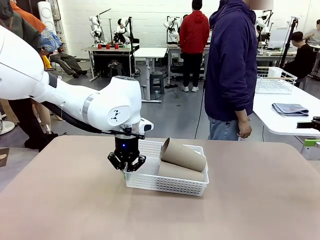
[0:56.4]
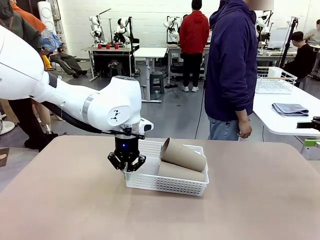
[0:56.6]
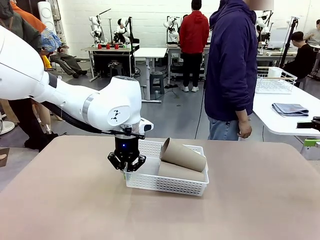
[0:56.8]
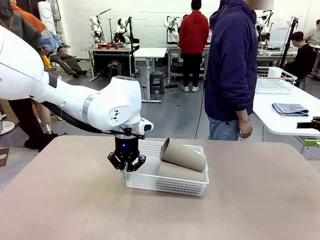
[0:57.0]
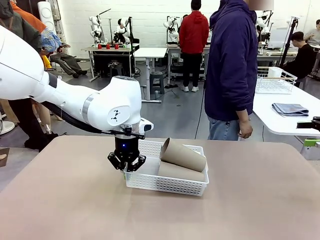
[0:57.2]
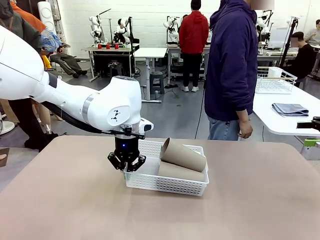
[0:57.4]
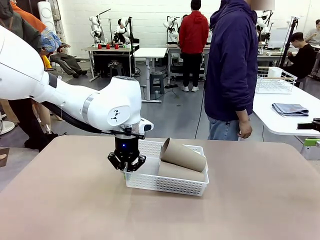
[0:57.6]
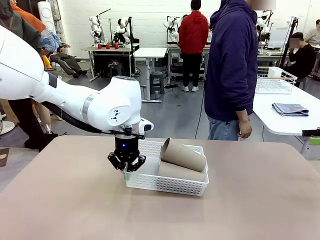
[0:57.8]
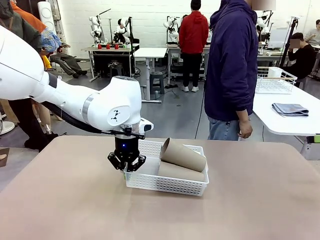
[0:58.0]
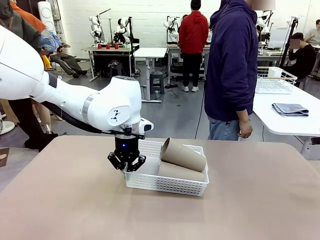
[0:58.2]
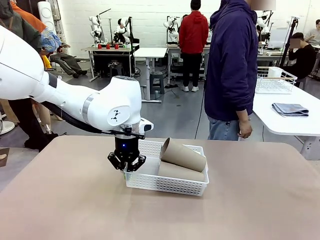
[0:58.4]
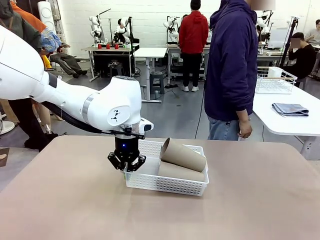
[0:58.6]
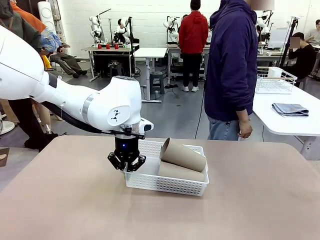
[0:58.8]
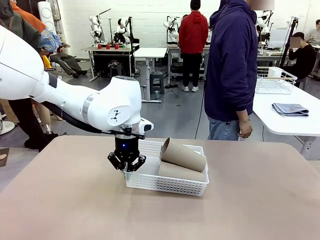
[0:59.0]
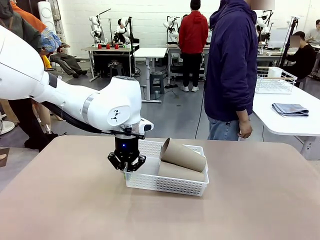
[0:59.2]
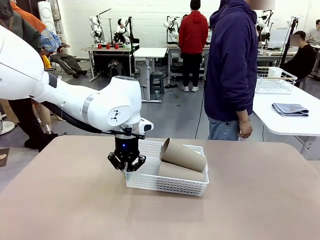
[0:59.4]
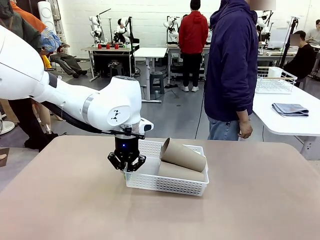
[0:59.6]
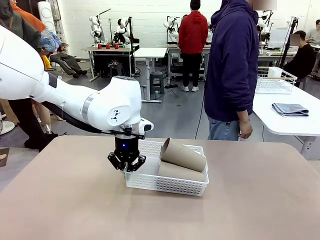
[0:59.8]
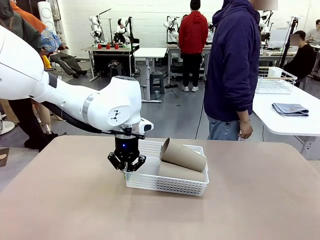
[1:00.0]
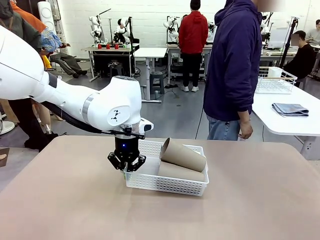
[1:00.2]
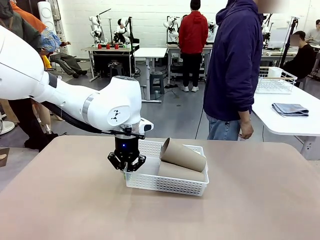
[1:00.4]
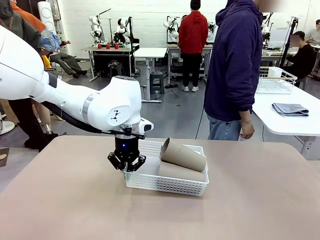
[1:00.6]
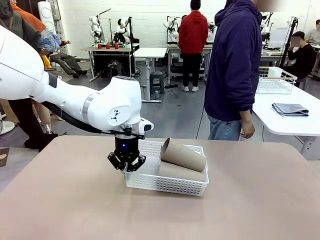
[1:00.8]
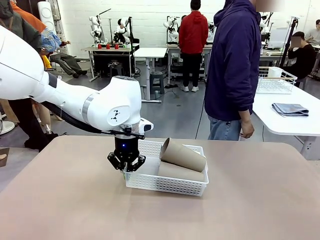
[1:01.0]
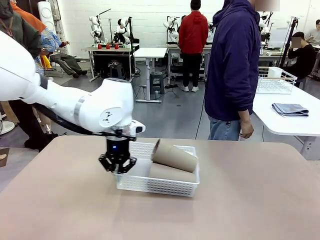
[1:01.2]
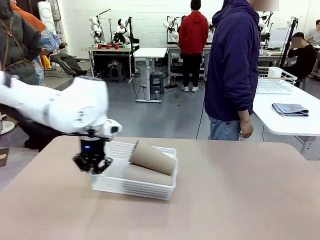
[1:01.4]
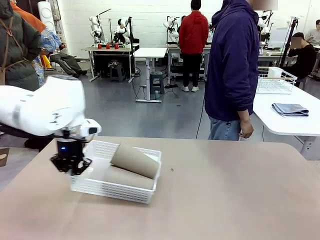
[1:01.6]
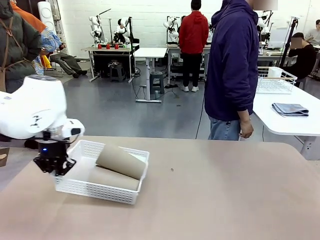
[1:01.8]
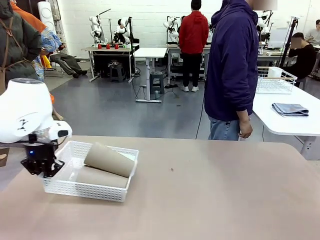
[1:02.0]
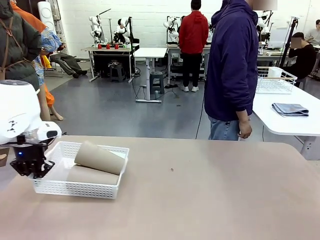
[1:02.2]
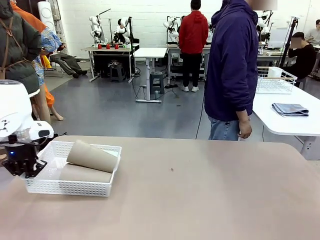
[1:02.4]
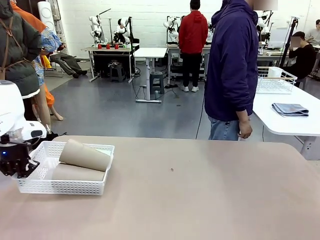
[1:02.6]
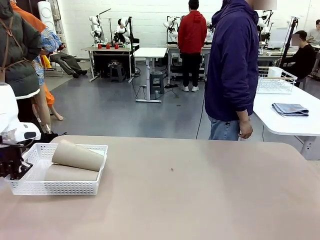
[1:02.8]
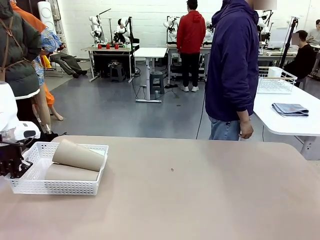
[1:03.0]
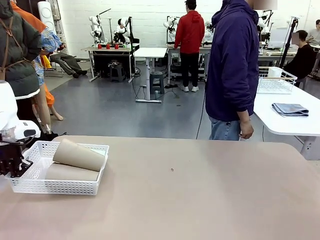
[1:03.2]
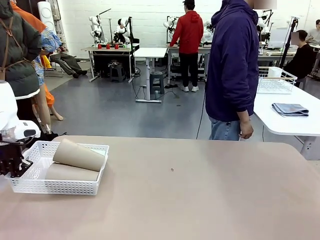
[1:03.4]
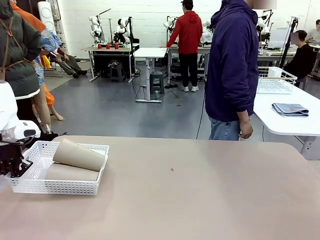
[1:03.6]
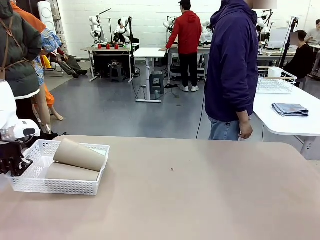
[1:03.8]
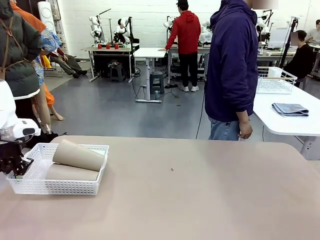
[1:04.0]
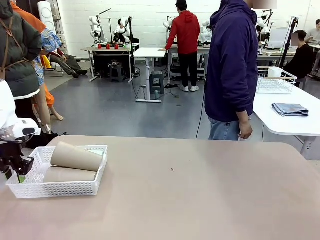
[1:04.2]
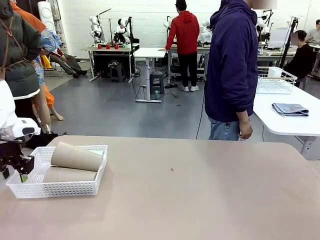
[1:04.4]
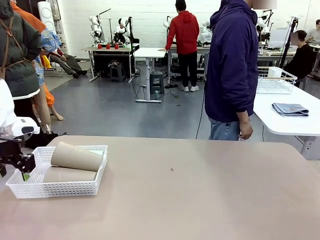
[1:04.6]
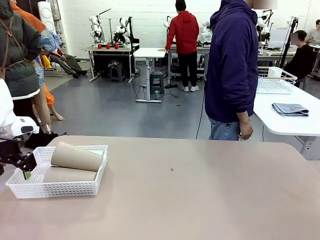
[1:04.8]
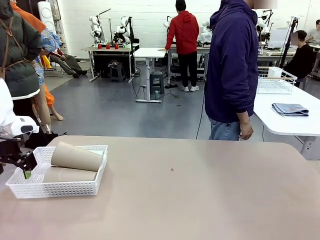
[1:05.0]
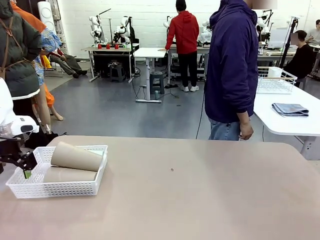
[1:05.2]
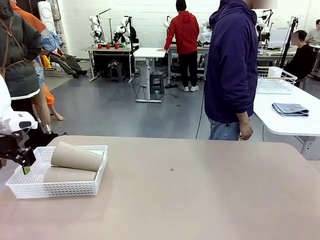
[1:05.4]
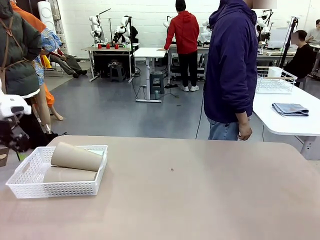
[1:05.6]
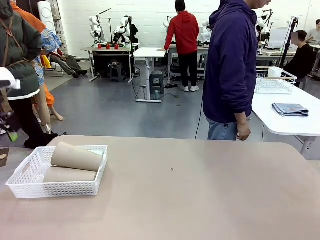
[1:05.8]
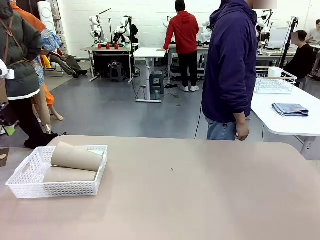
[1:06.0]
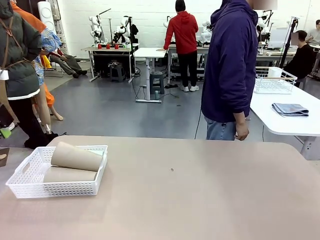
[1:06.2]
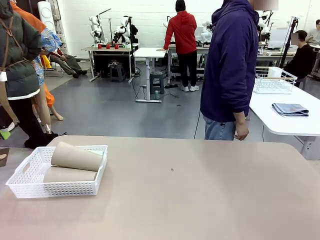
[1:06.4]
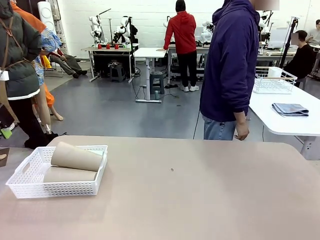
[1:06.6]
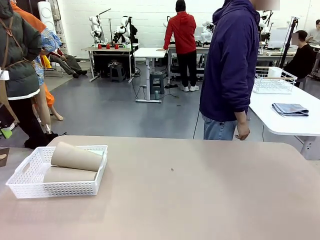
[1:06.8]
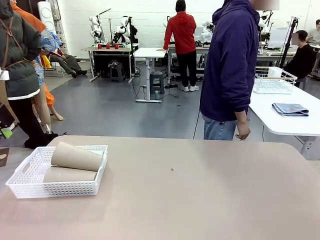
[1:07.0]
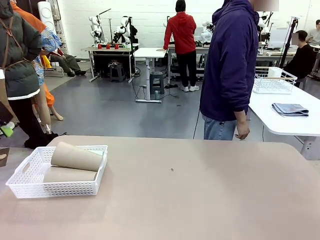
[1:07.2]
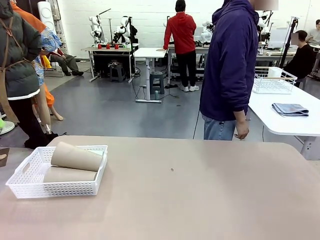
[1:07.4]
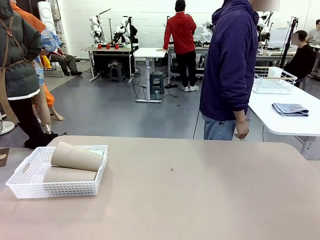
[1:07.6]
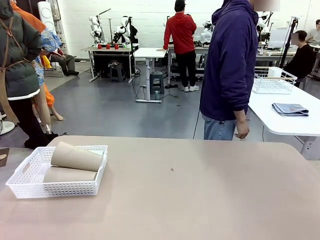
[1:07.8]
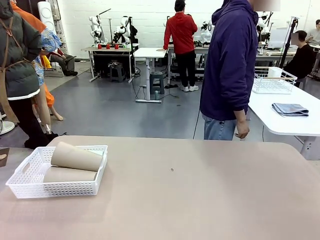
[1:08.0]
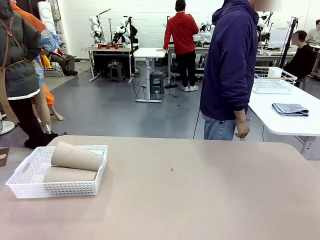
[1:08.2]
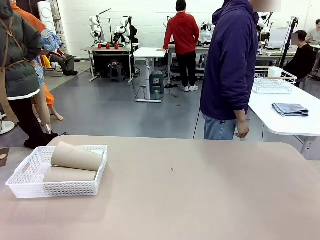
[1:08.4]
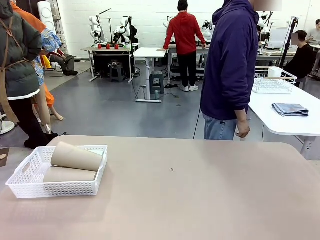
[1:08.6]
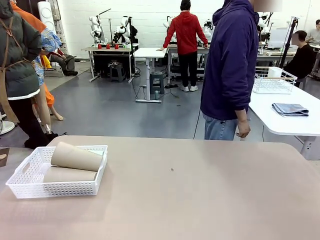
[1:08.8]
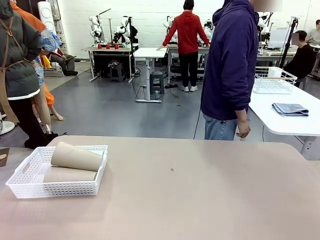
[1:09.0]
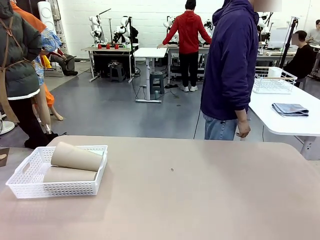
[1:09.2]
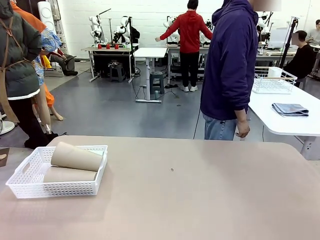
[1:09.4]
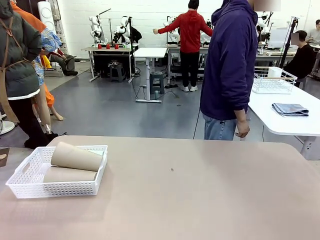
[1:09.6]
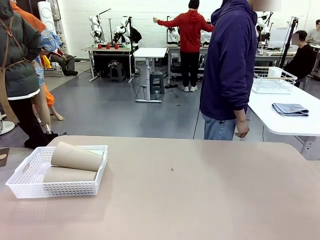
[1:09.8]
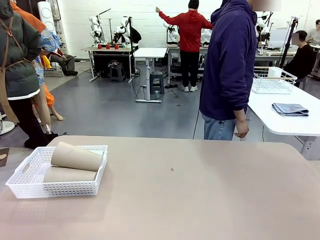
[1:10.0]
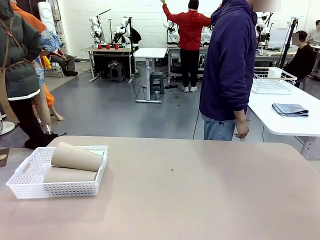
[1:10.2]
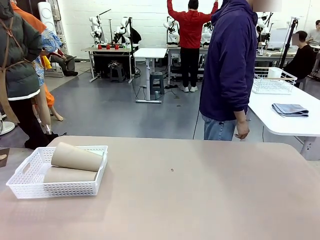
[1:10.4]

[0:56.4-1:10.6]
Task: Clean and organize the cups into the basket.
Robot: Move the Organizing basket back to the left side of the table.
Person: Folds the towel in half twice and places it in the right of the table.

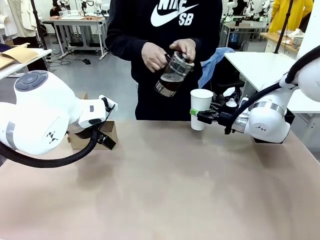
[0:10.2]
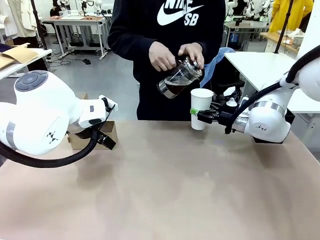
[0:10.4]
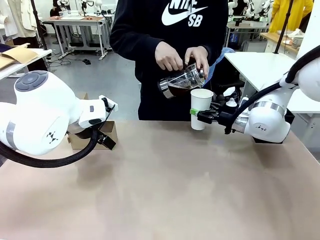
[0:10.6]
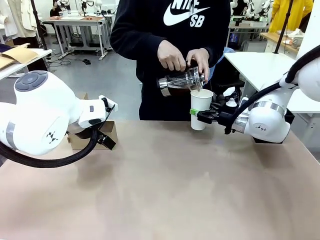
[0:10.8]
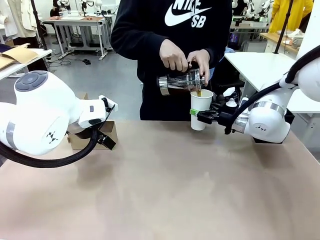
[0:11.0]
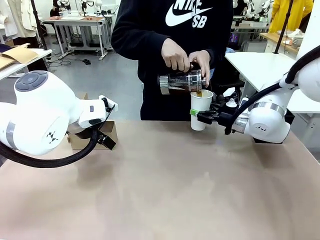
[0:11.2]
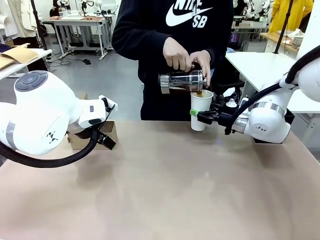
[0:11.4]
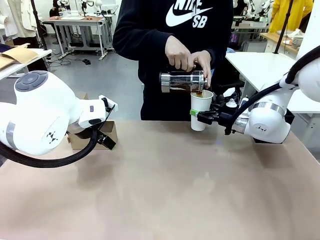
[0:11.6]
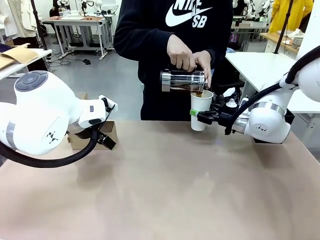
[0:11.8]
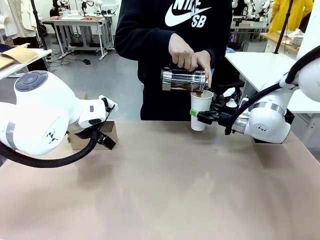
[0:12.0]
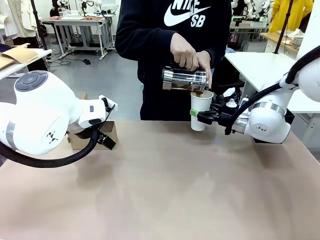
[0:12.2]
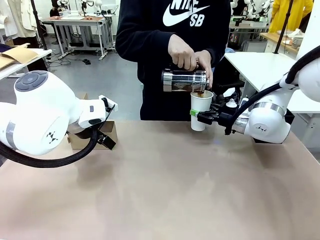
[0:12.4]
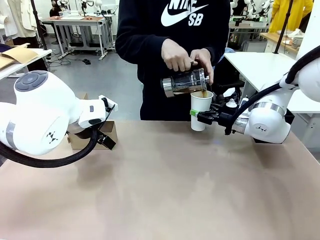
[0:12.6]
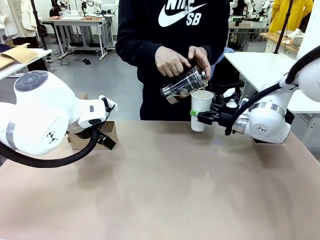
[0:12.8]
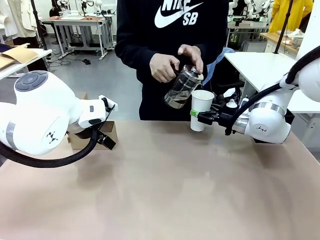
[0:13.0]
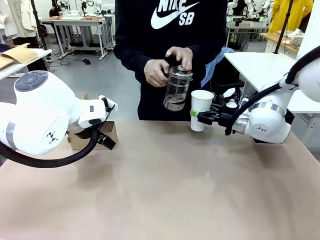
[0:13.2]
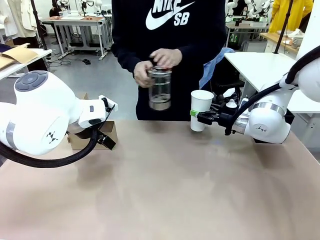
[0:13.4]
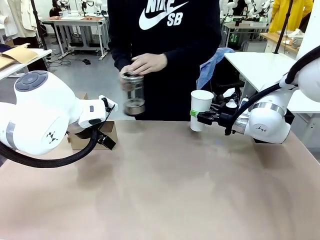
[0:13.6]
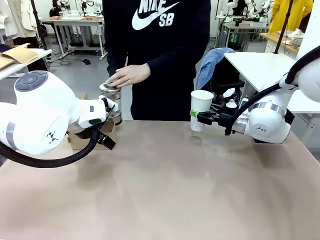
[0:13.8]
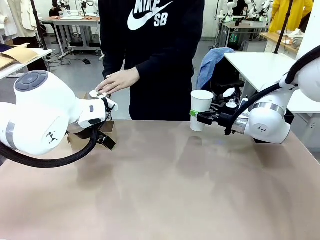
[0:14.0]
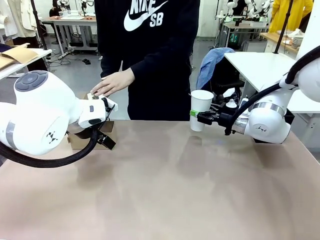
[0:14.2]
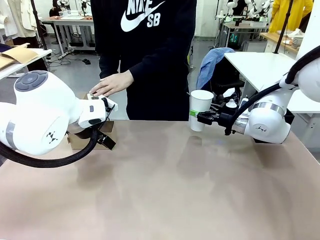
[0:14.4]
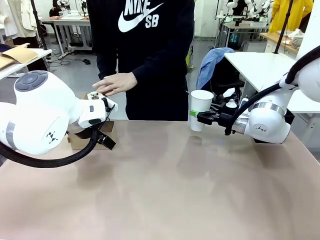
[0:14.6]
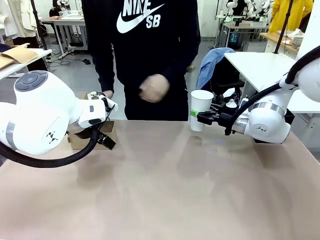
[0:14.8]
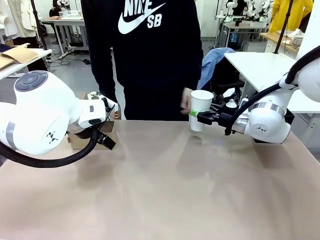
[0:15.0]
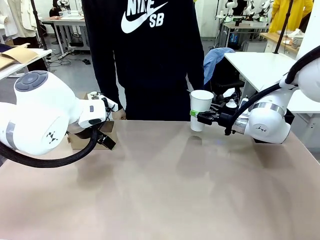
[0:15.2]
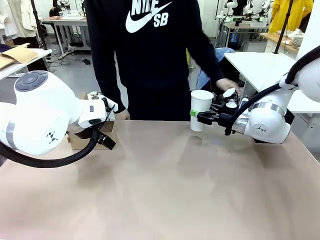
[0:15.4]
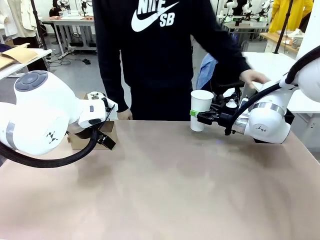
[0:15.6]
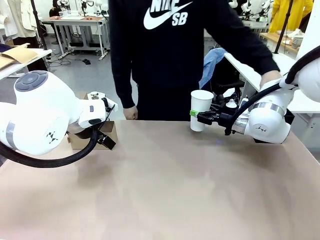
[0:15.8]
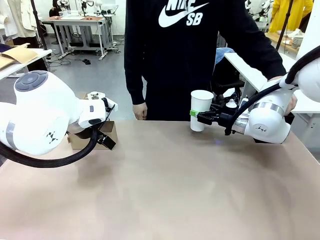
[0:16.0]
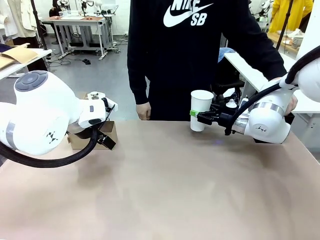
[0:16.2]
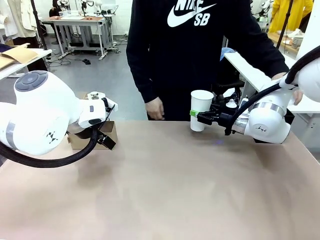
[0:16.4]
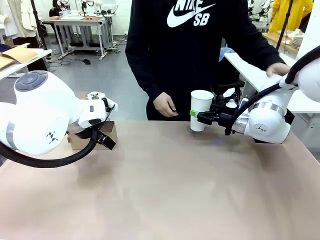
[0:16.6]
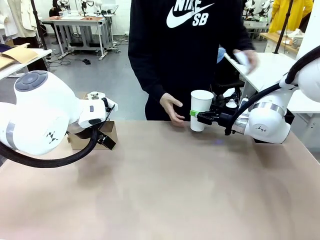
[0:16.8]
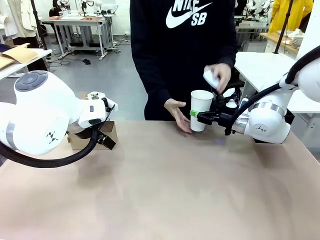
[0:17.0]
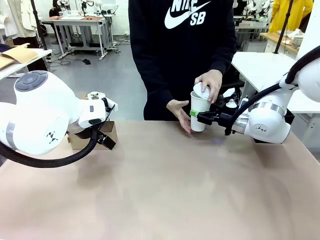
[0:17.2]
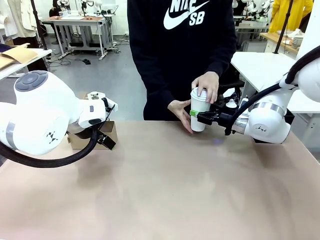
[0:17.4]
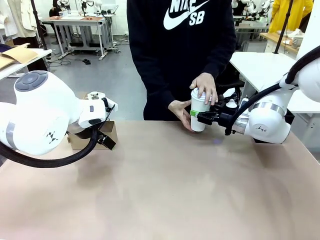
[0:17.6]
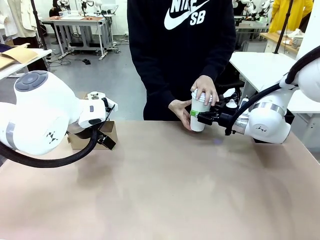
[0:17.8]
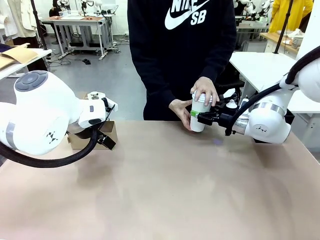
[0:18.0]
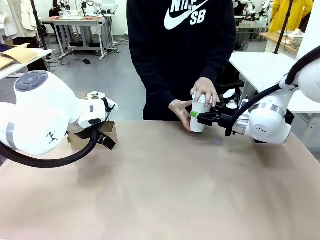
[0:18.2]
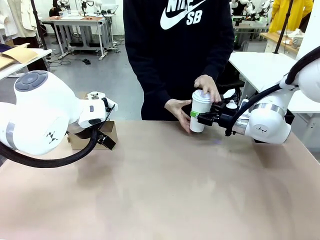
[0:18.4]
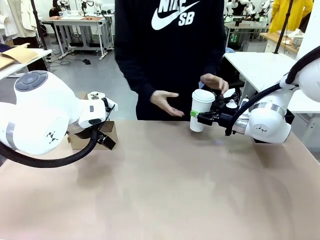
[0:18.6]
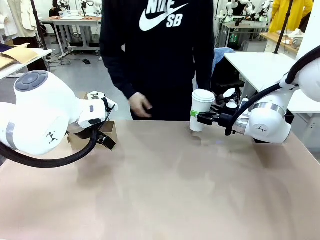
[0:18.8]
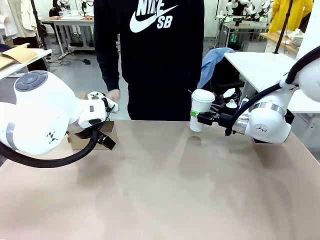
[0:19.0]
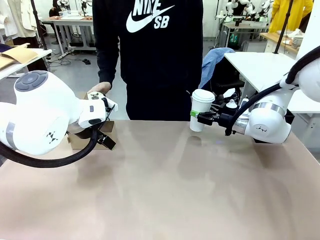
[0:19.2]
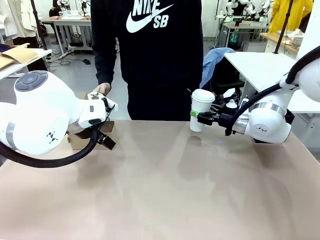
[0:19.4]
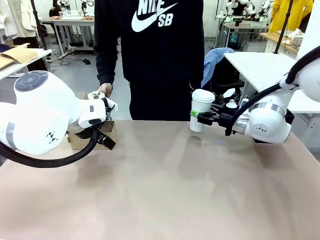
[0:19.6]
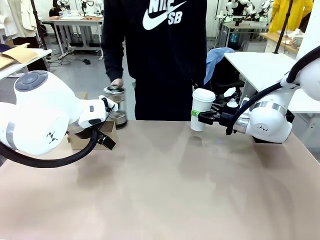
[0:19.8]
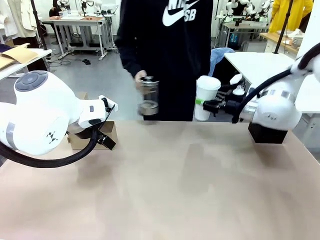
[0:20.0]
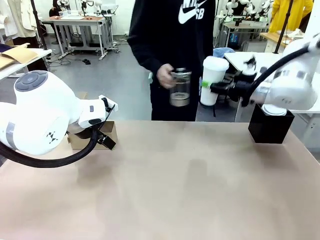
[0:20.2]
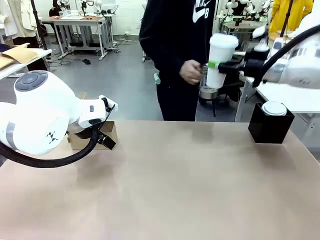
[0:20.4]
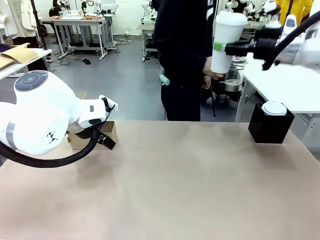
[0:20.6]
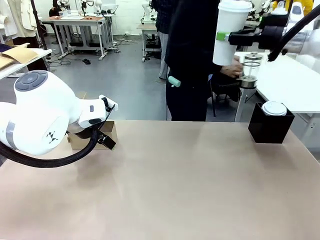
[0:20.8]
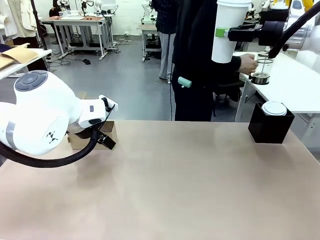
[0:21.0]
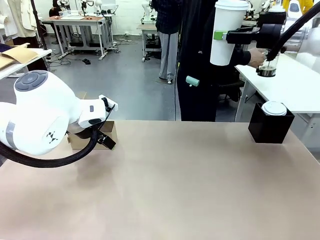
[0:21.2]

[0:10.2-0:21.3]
Task: Pour a drink into a cup and package it in a carrier.
Robot: When a person places the Paper Cup Lid on the 600 ml Paper Cup , lift the 600 ml Paper Cup.
Person: Pour the drink from the Filter Brewing into the 600 ml Paper Cup. Place a Paper Cup Lid on the 600 ml Paper Cup.
